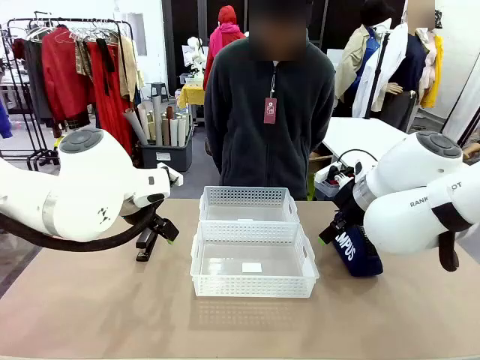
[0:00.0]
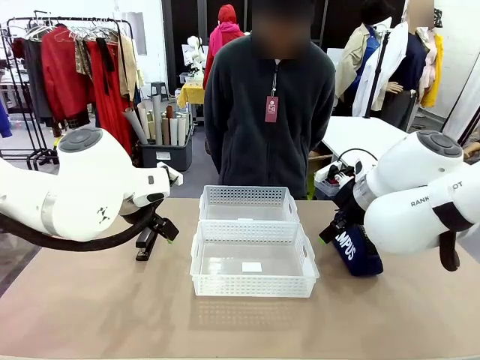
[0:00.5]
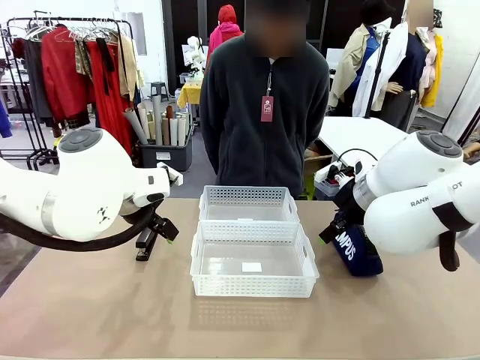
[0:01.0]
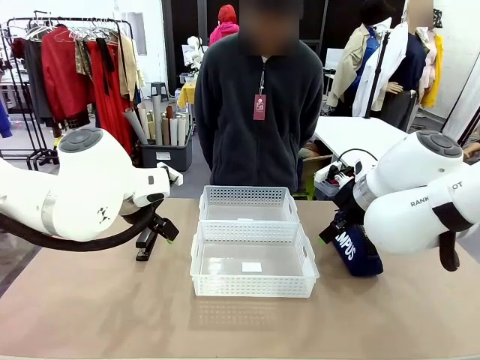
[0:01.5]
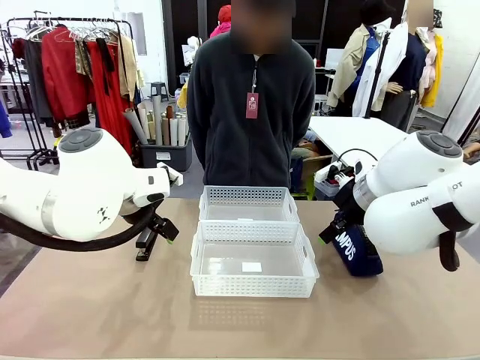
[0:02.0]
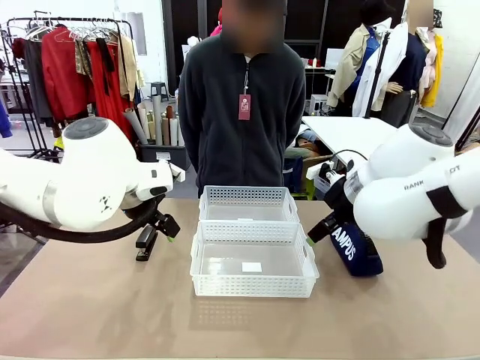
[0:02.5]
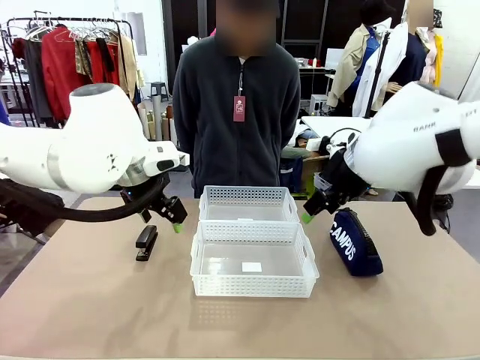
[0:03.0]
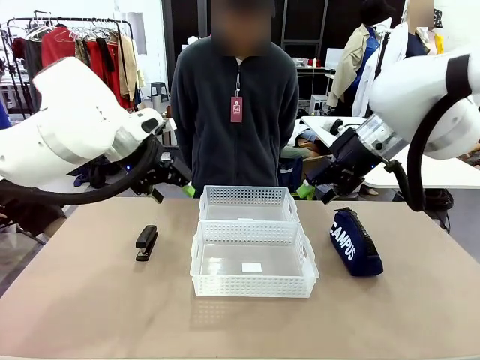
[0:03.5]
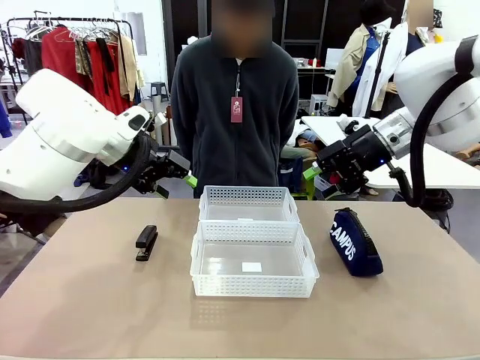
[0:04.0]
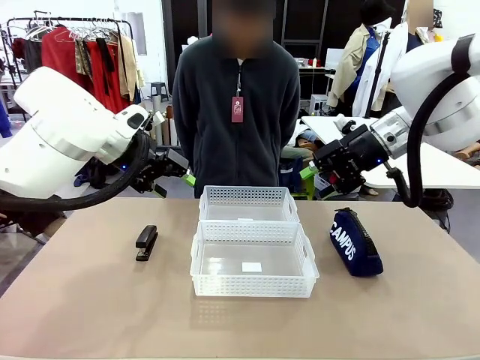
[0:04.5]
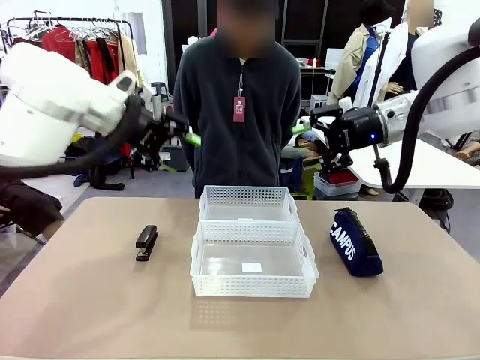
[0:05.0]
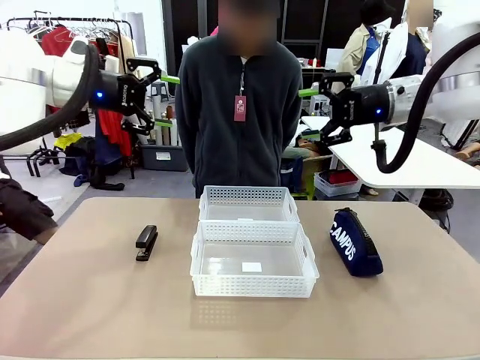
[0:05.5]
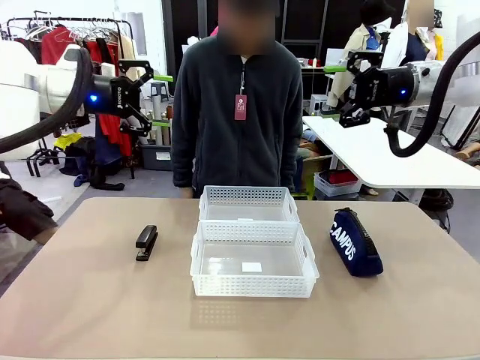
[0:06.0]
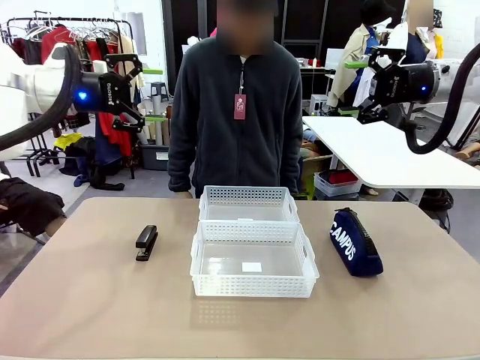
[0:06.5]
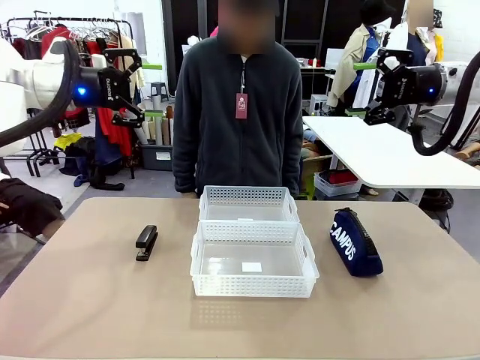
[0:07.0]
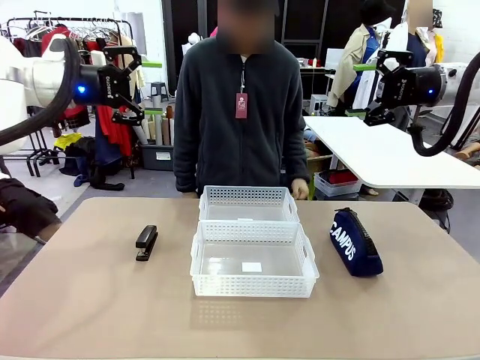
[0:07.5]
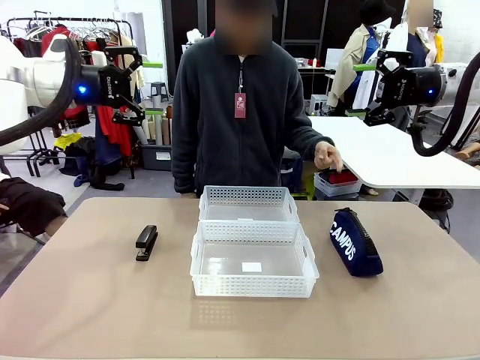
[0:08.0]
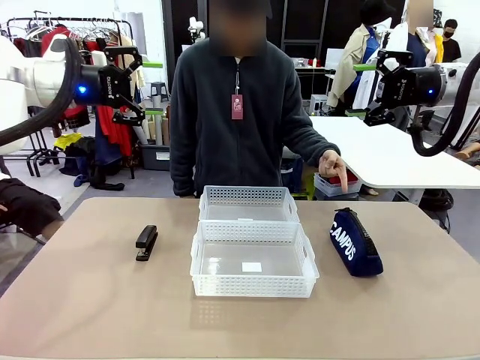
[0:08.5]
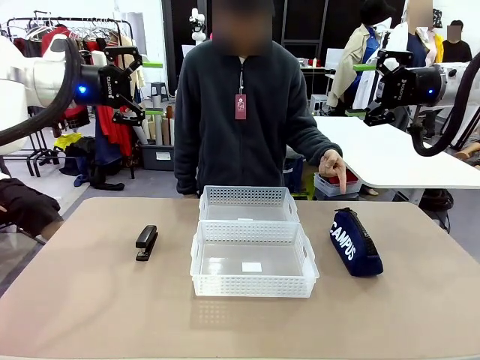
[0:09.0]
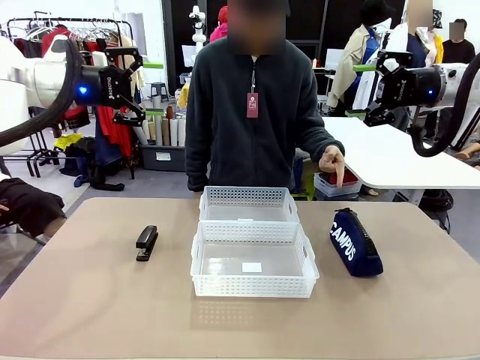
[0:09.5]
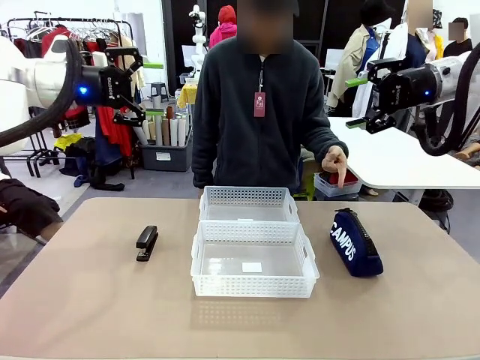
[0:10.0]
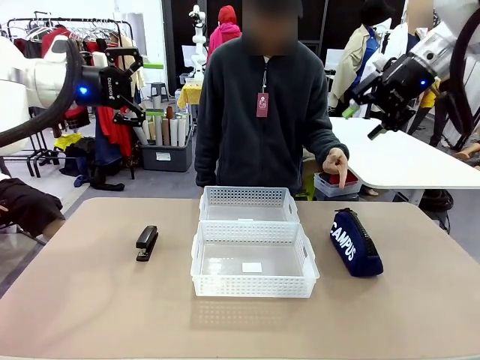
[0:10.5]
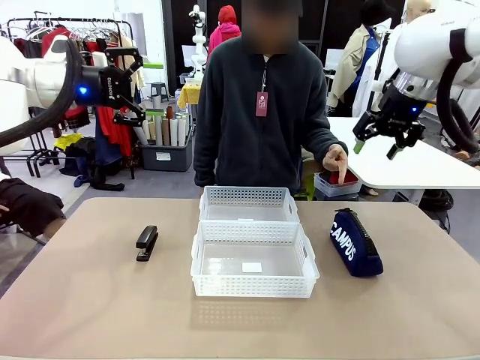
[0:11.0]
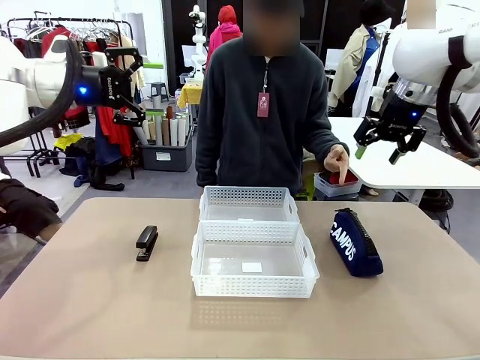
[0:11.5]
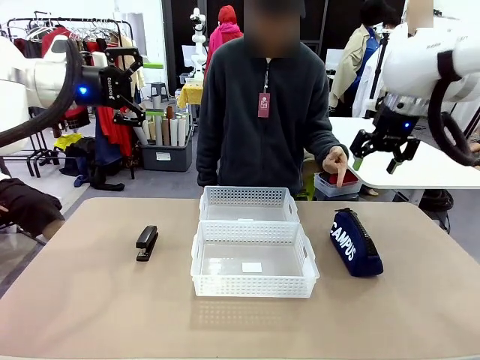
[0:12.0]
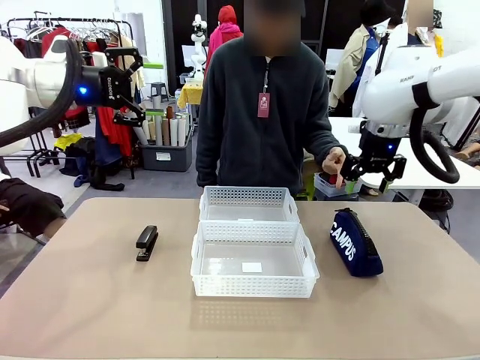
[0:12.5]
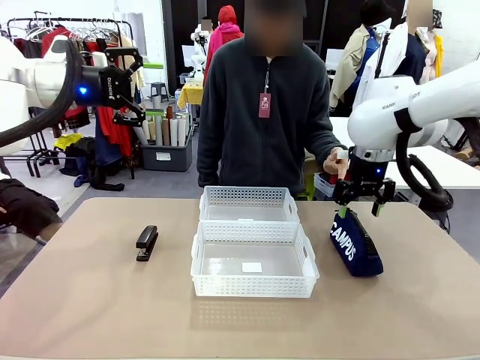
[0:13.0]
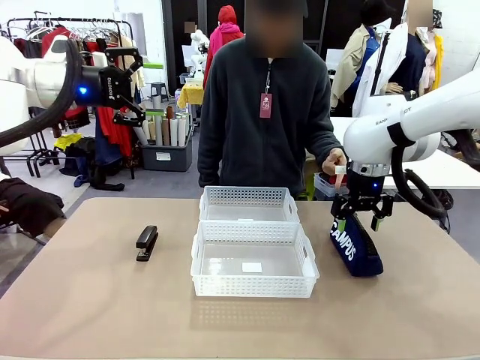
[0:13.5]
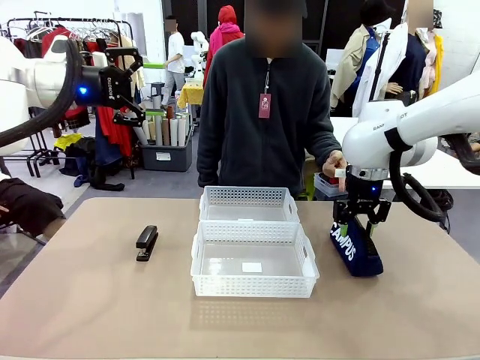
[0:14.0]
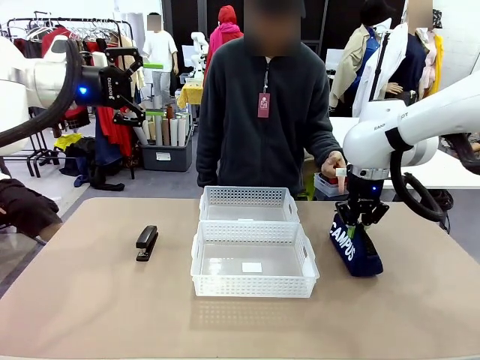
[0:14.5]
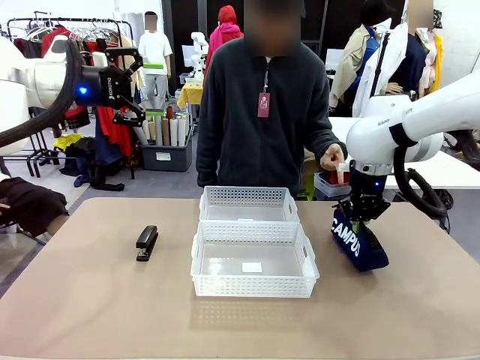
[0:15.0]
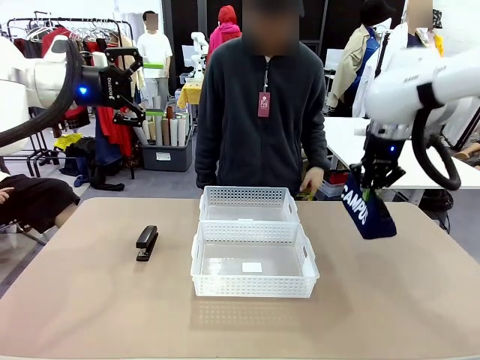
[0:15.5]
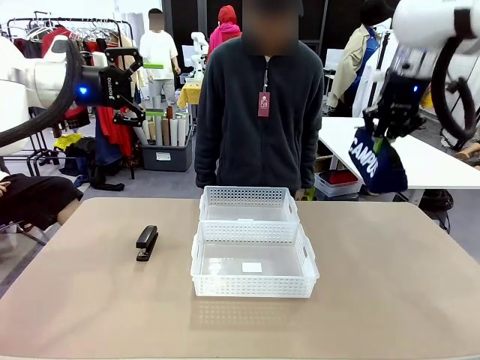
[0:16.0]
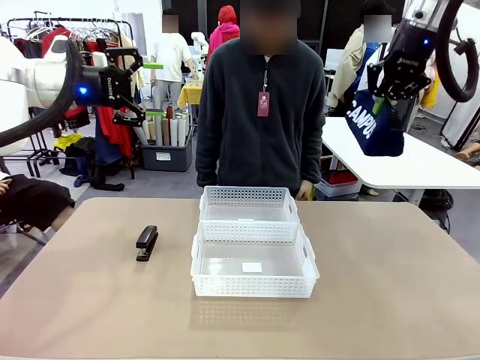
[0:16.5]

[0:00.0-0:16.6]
Task: Distribute items into two baskets.
Robot: Pick up the Pencil pouch that the person points to.
Person: Points to the pencil case. Points between the two organizing baskets and instructs the robot to move the pencil case.

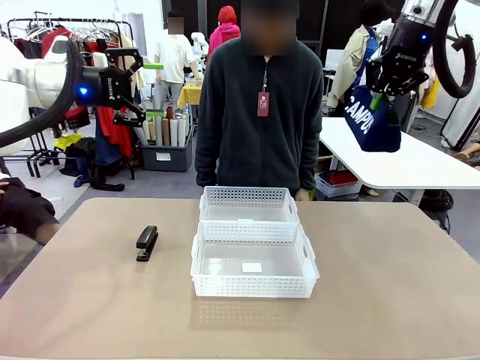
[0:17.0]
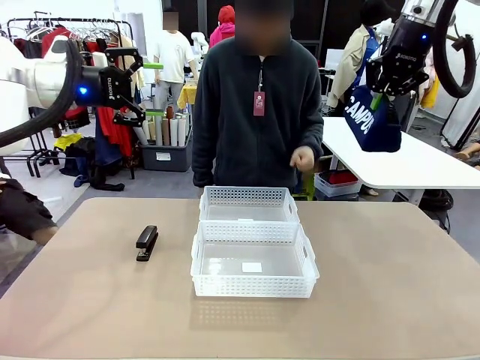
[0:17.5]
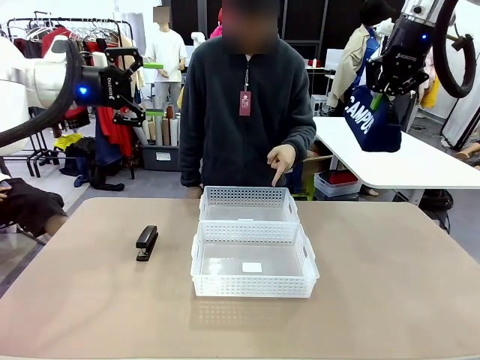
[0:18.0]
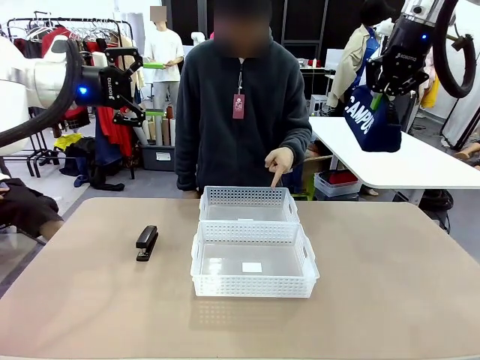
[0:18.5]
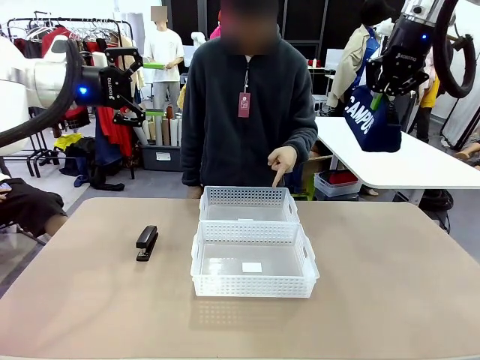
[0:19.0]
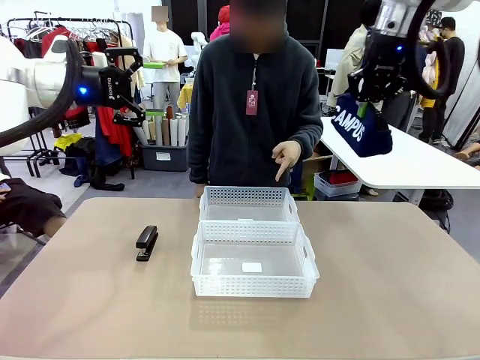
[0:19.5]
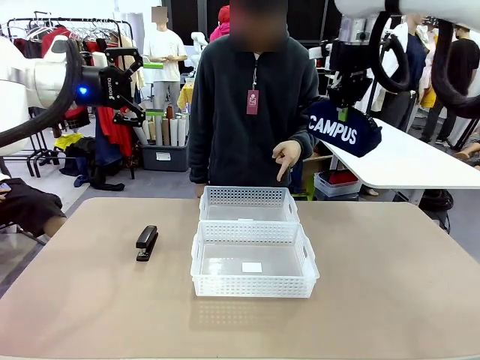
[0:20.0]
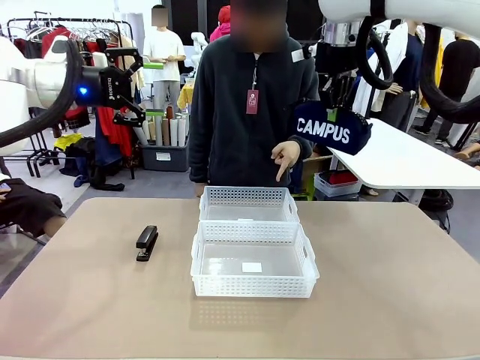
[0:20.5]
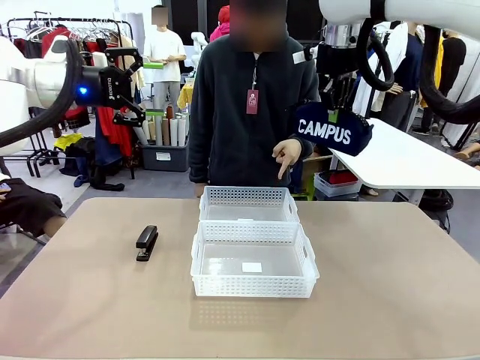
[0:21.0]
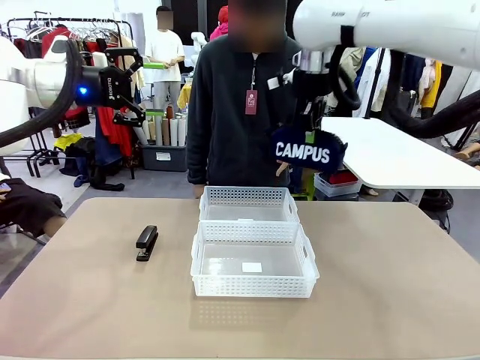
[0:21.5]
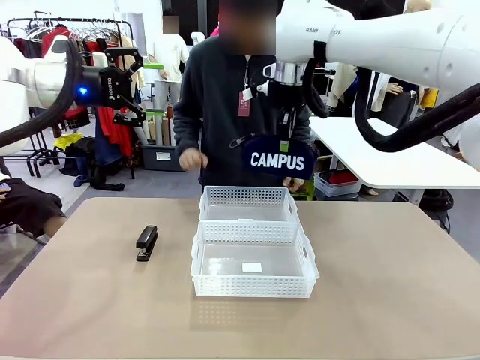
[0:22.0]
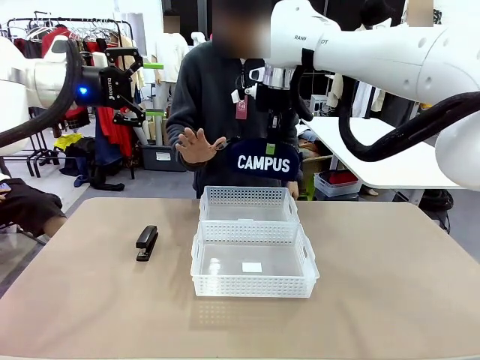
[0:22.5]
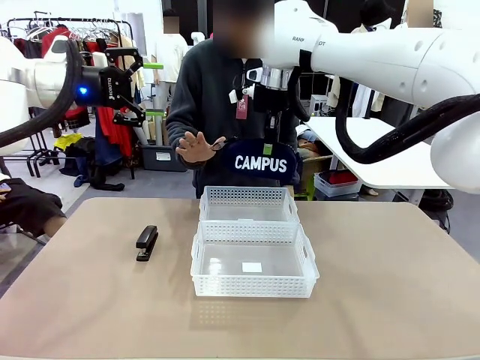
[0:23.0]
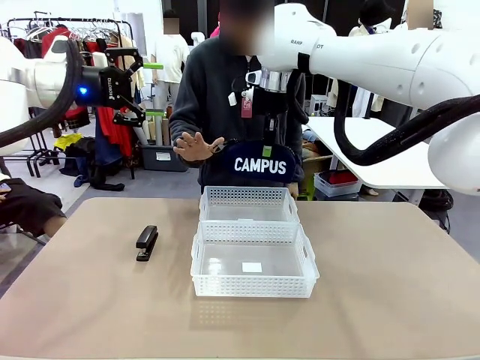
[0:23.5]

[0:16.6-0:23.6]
Robot: Move the picked Pencil pouch towards the Organizing basket indicated by the person, stopping as directed.
Person: Sends a stop gesture before the robot places the pencil case into the basket.
